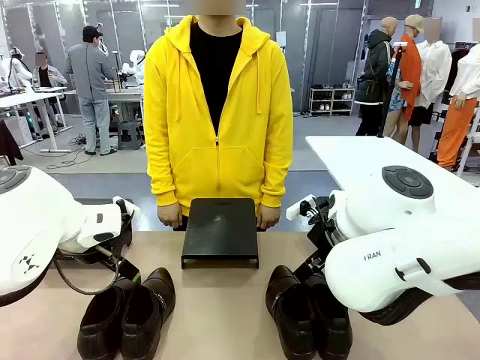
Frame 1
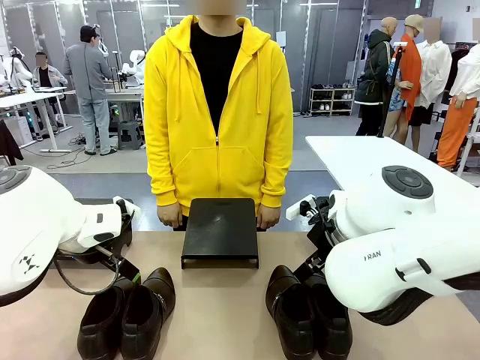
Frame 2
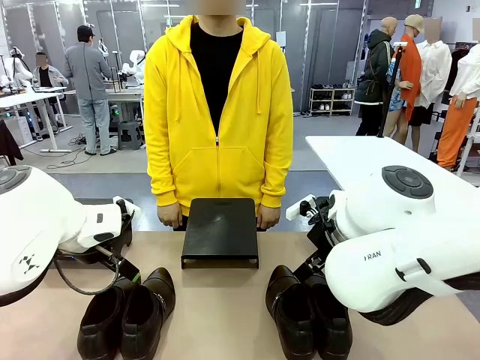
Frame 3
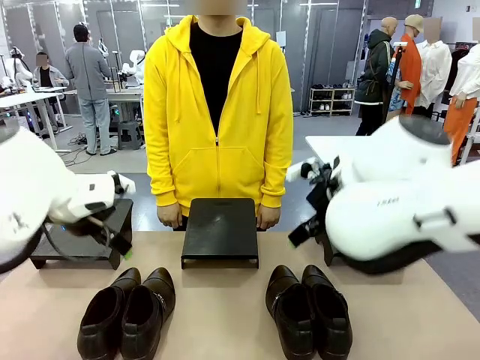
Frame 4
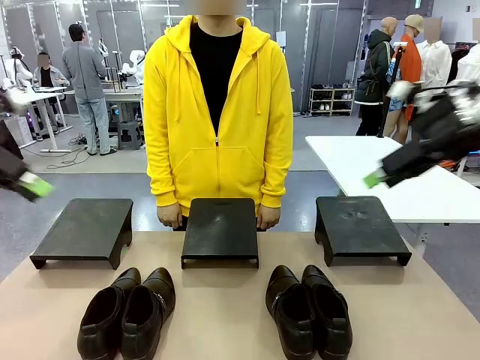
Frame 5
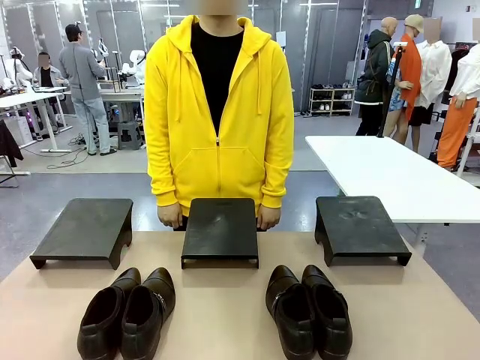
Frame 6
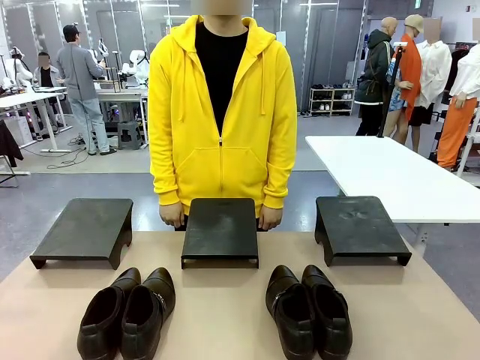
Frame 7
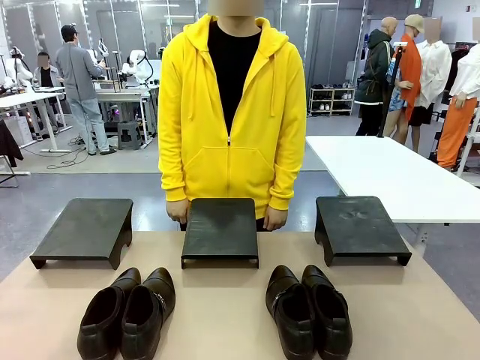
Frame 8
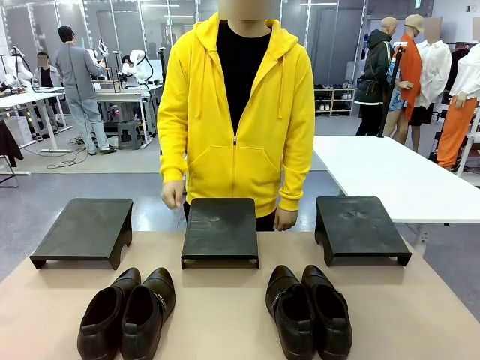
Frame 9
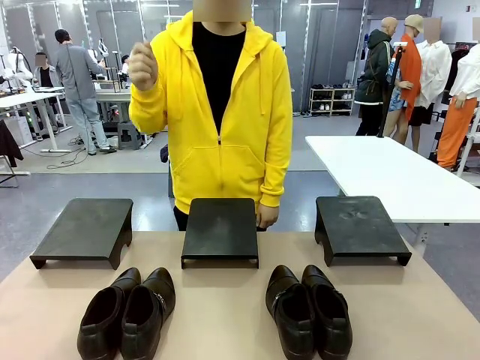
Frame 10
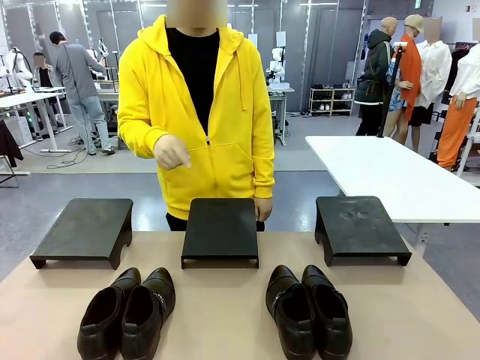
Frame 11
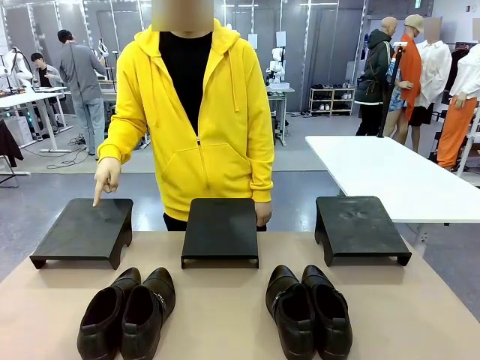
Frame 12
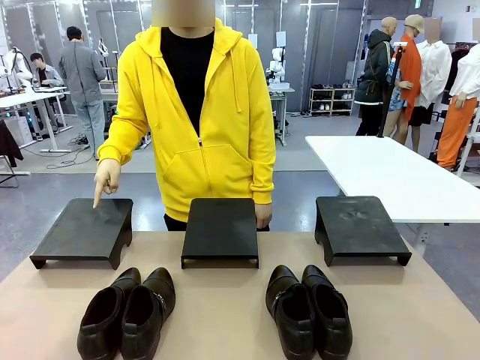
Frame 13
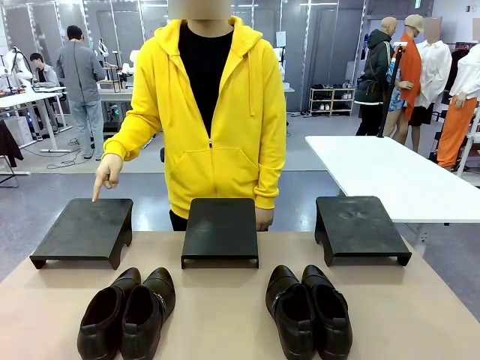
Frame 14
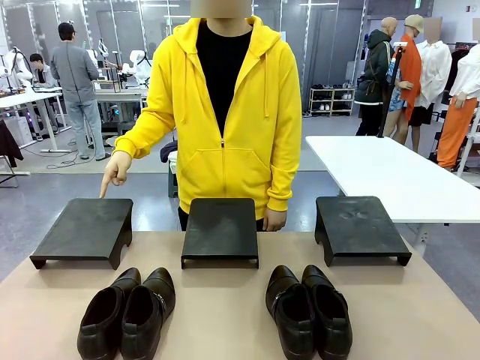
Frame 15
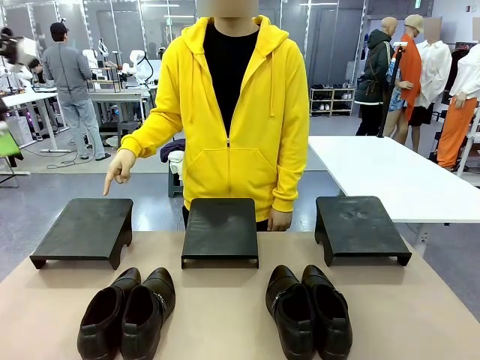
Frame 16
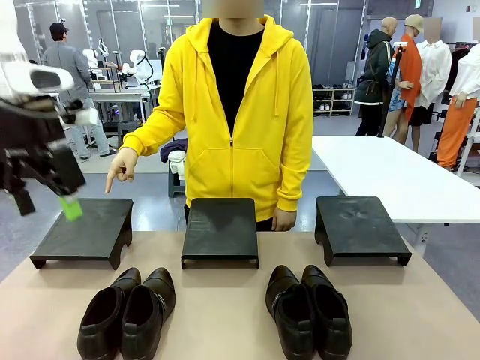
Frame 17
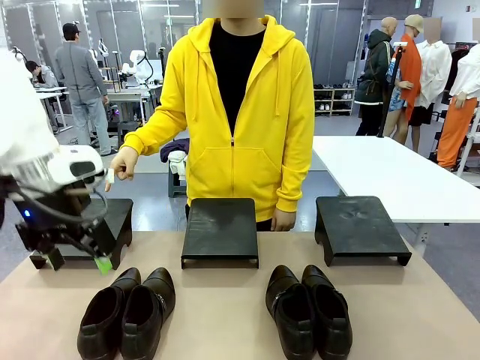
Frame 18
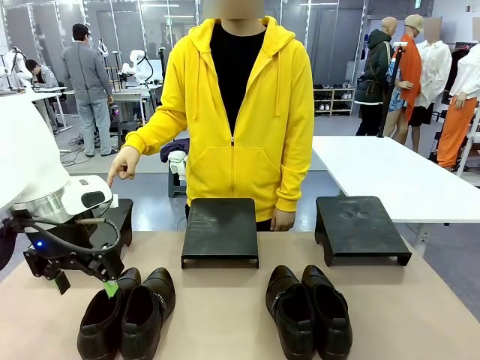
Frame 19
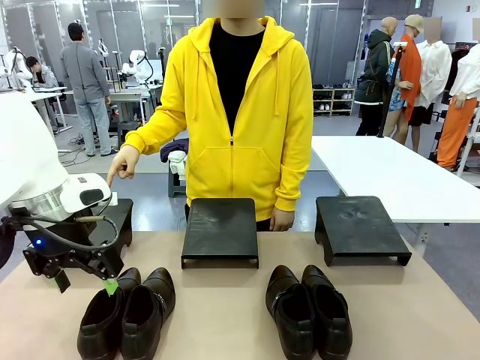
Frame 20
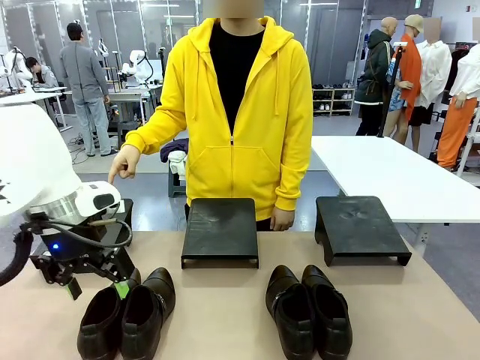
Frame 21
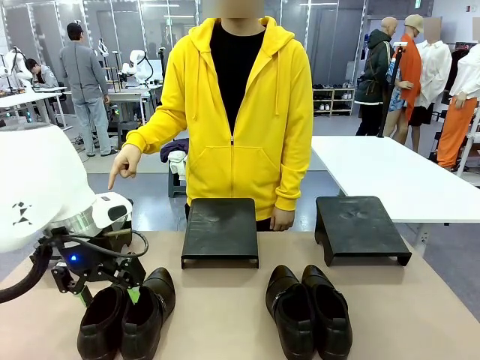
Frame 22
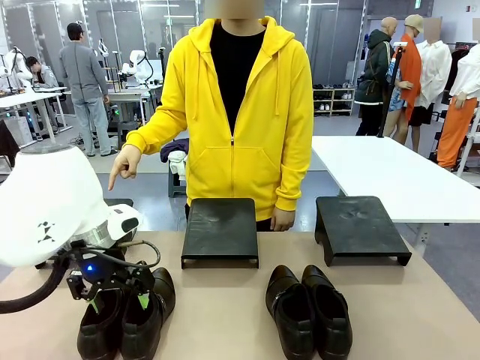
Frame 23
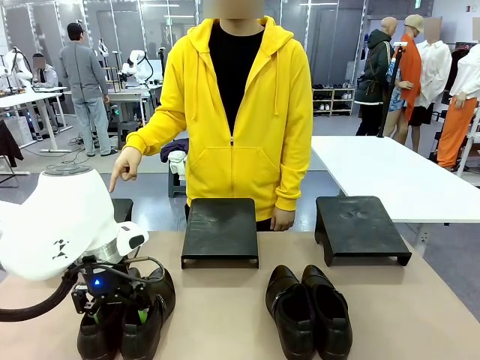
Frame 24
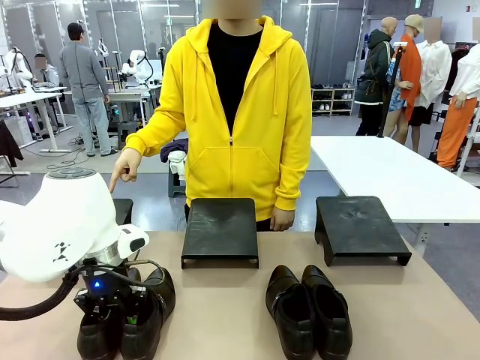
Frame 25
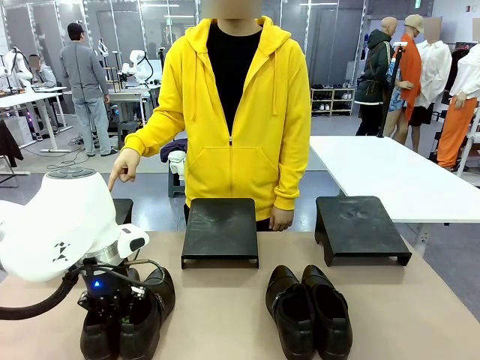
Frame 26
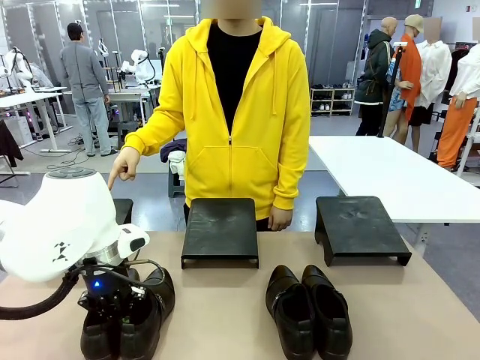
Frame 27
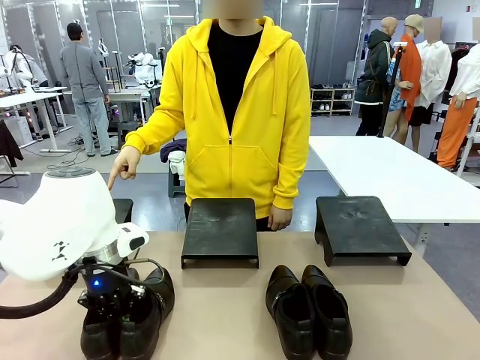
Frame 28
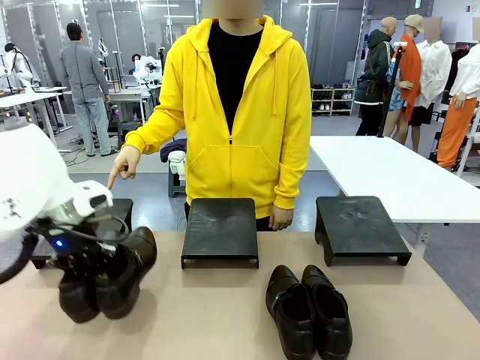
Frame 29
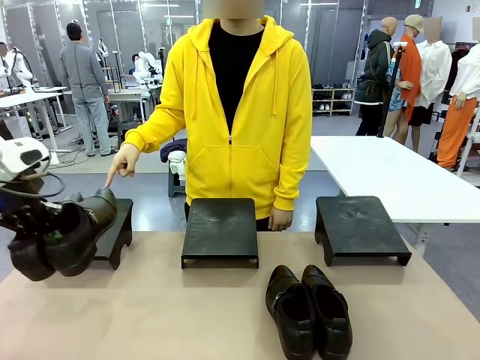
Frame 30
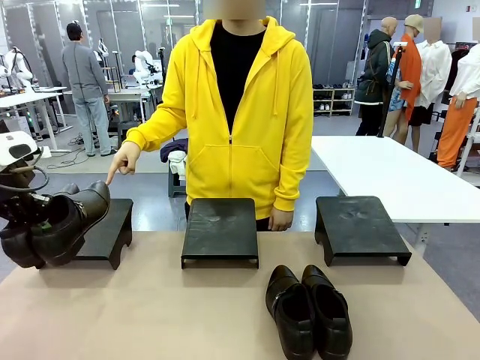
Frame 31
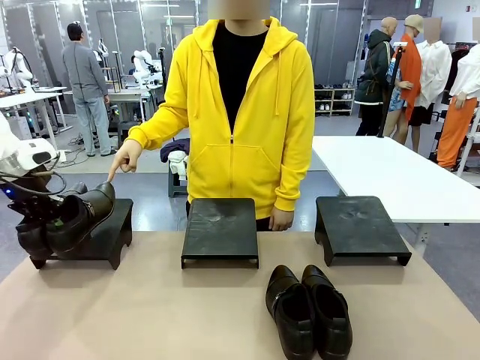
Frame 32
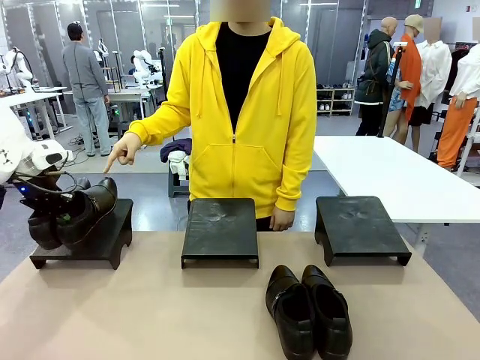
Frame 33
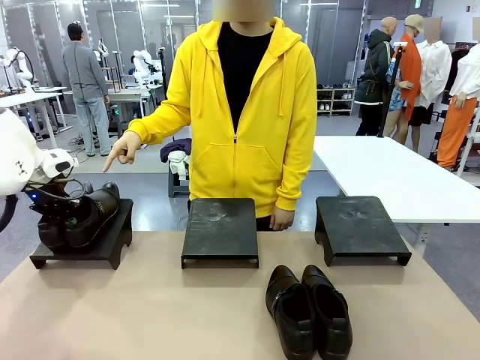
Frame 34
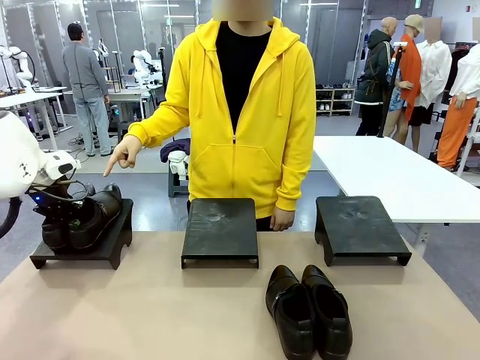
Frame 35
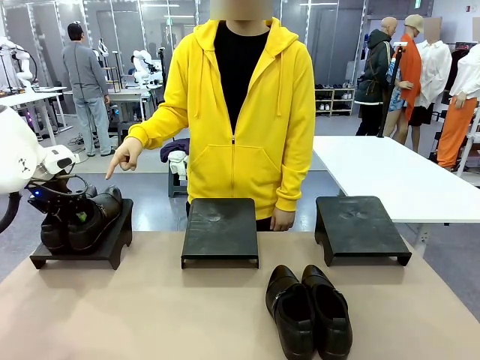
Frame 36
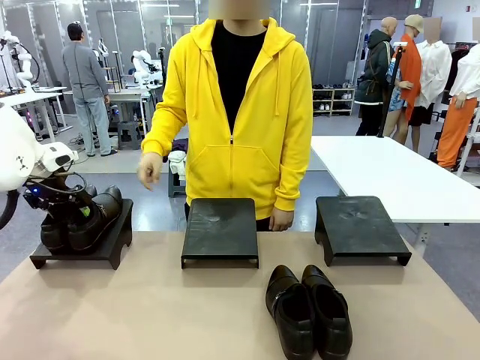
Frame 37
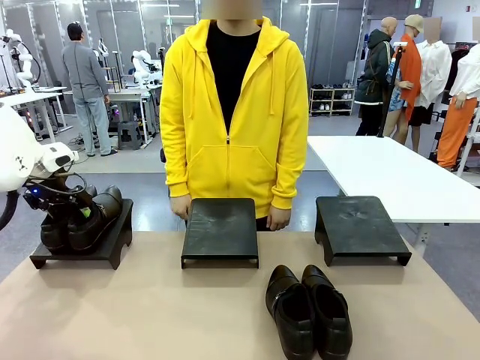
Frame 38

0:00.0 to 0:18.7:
Task: Place the shoes on the stand as instructed by the person.
Robot: Pick up one pair of Shoes and place it on the Shoes Stand indicated by the person.
